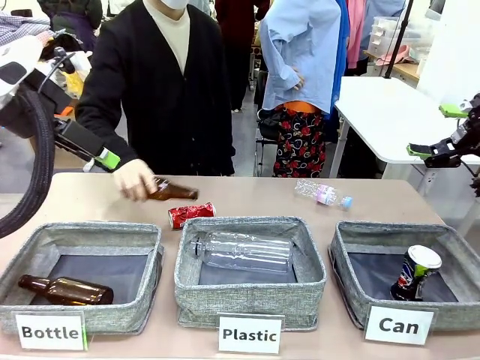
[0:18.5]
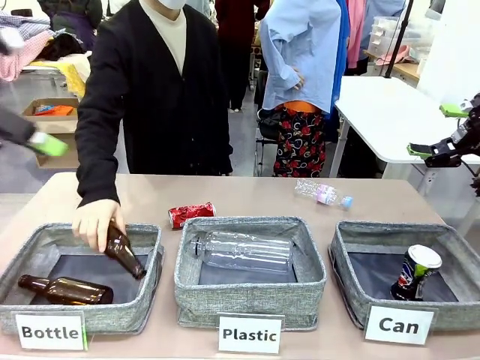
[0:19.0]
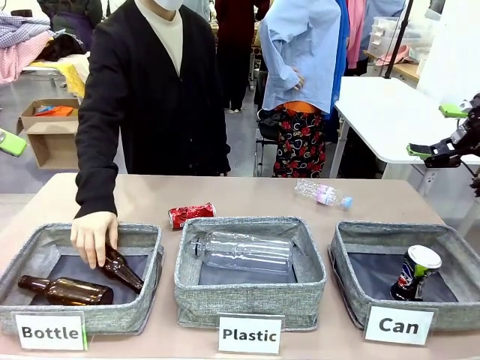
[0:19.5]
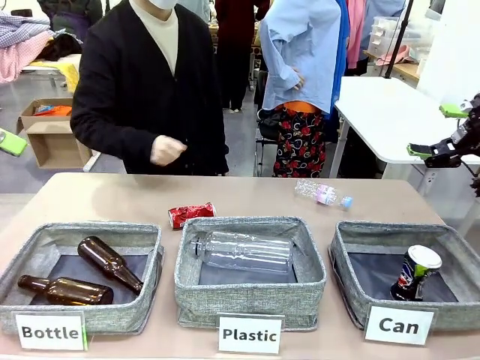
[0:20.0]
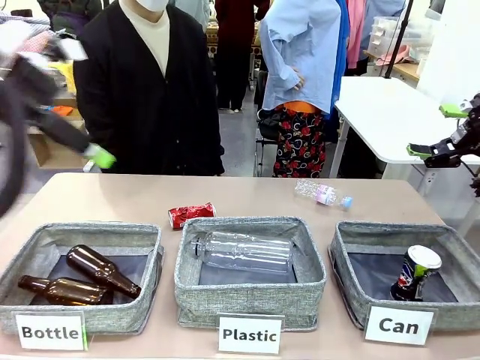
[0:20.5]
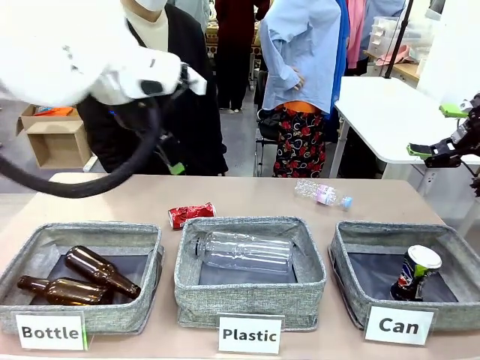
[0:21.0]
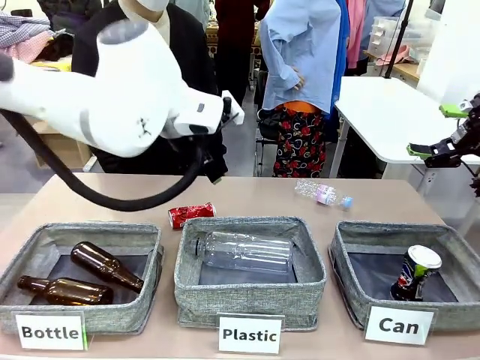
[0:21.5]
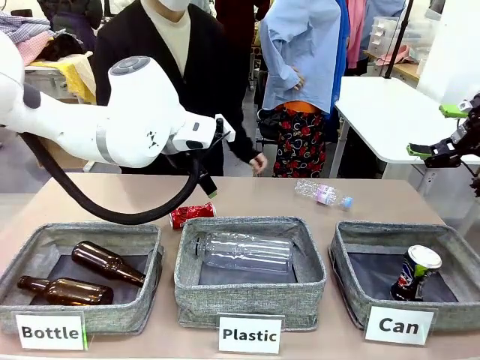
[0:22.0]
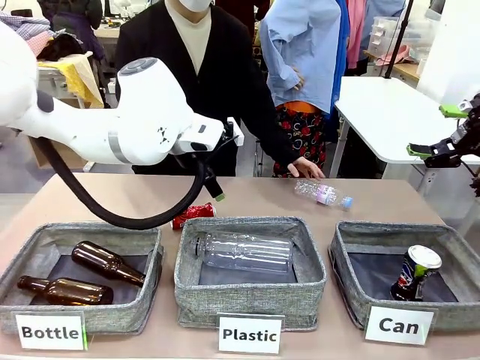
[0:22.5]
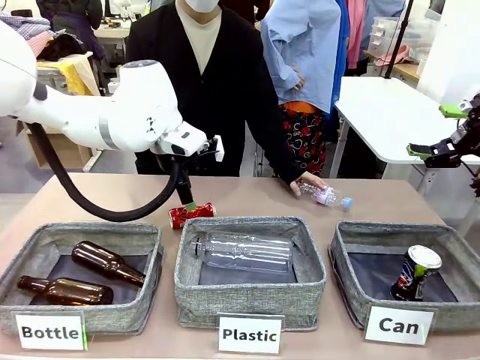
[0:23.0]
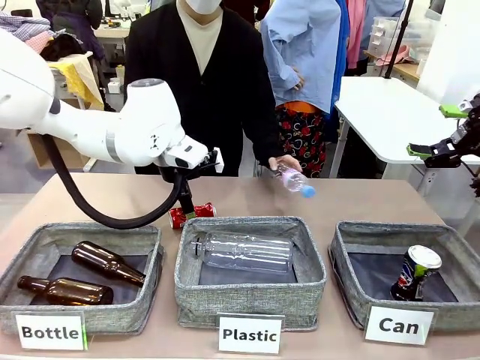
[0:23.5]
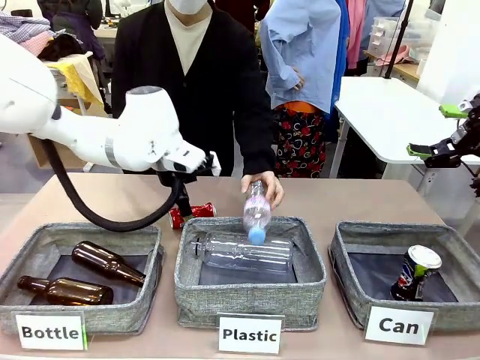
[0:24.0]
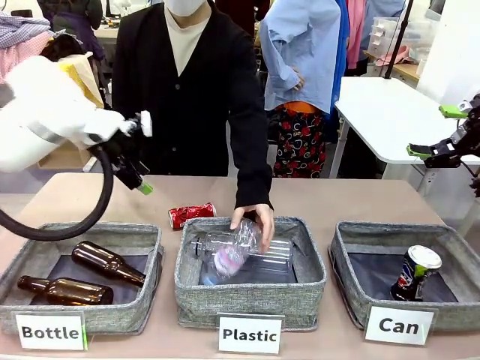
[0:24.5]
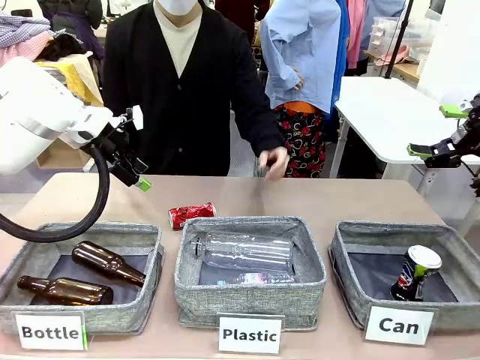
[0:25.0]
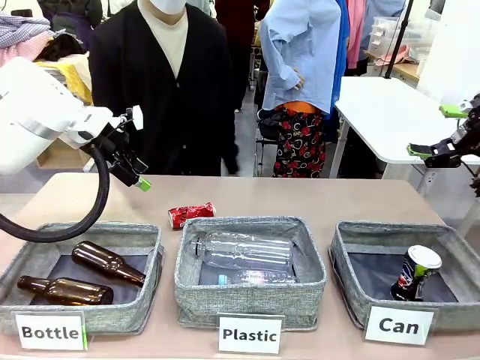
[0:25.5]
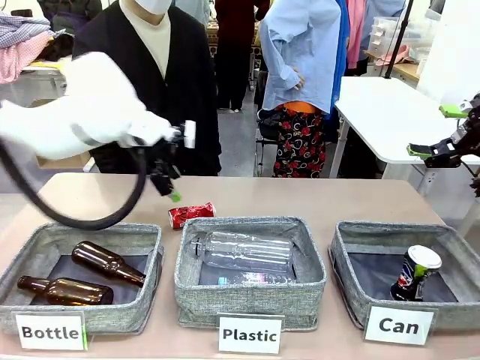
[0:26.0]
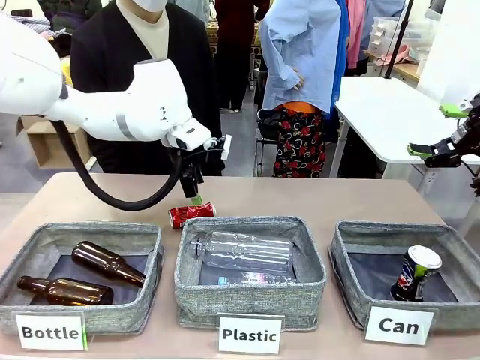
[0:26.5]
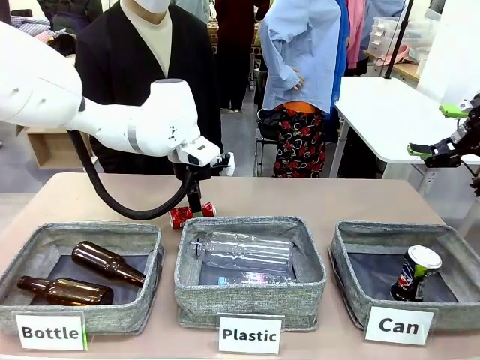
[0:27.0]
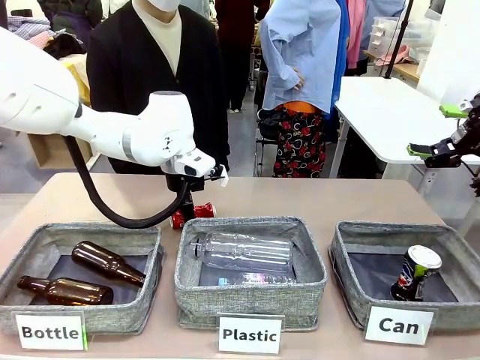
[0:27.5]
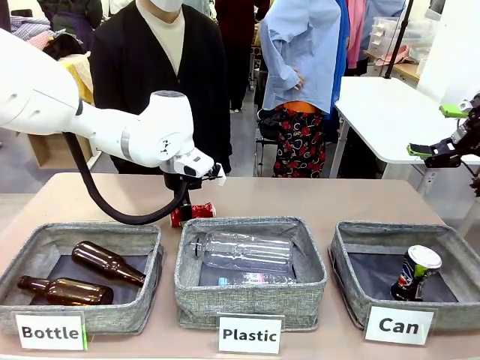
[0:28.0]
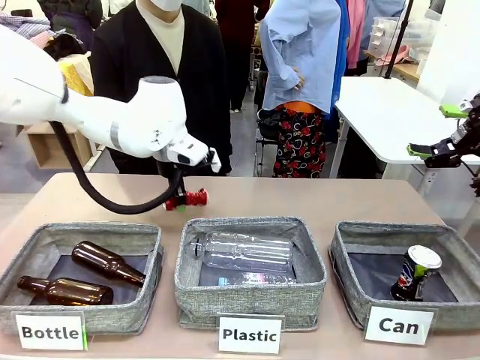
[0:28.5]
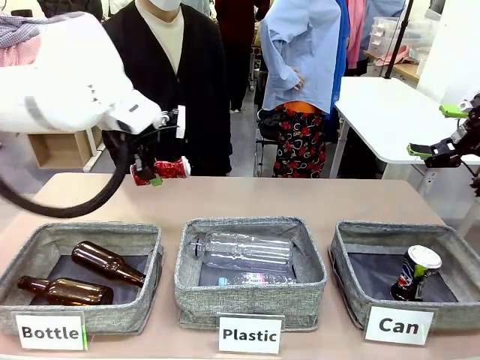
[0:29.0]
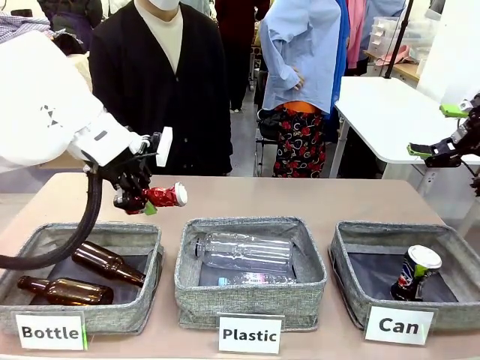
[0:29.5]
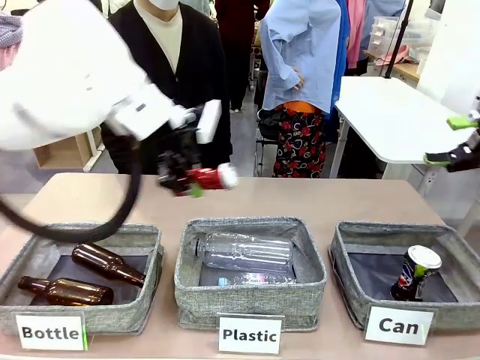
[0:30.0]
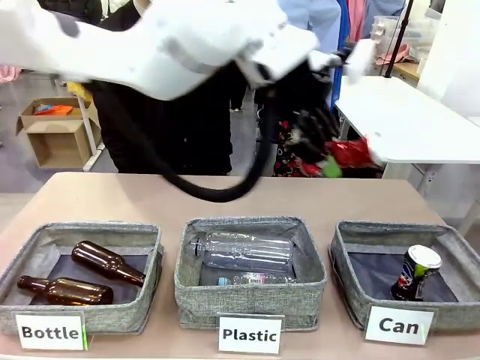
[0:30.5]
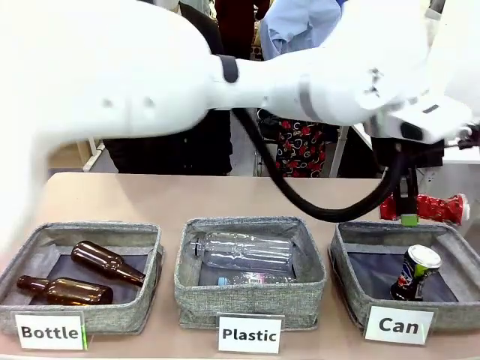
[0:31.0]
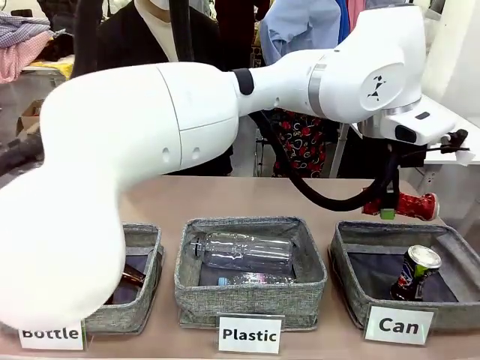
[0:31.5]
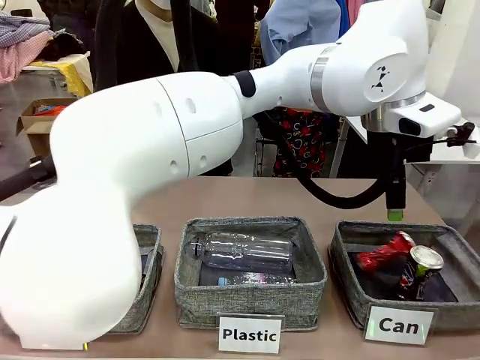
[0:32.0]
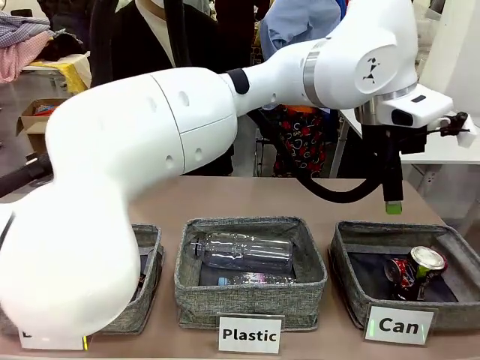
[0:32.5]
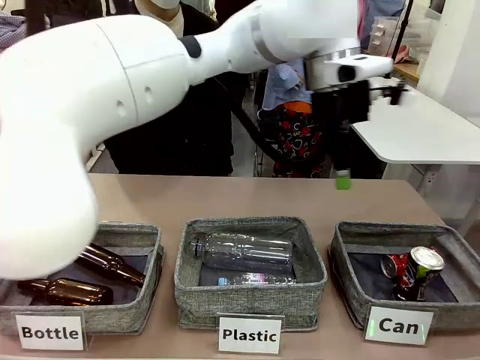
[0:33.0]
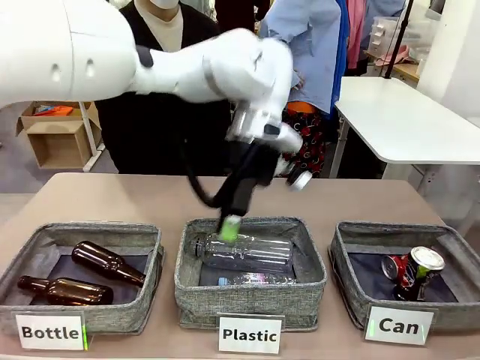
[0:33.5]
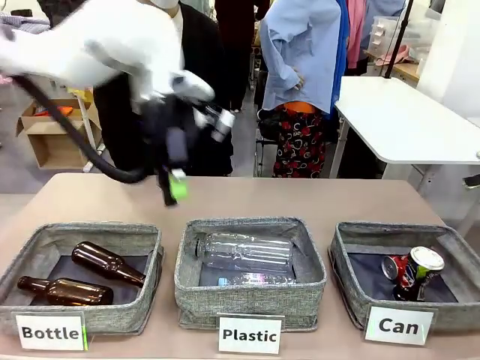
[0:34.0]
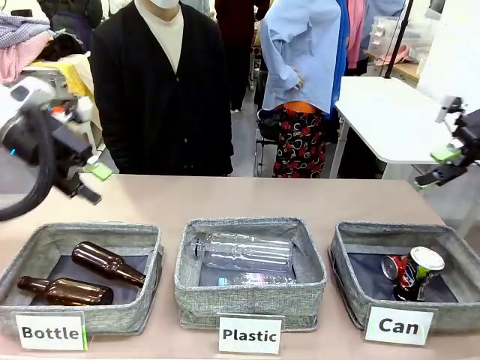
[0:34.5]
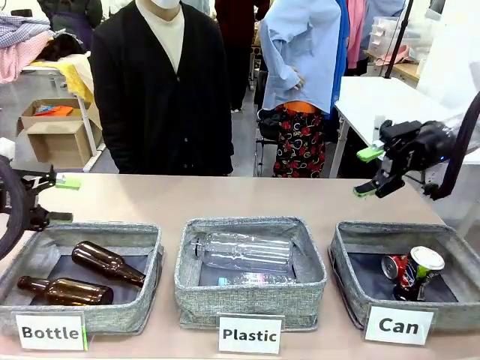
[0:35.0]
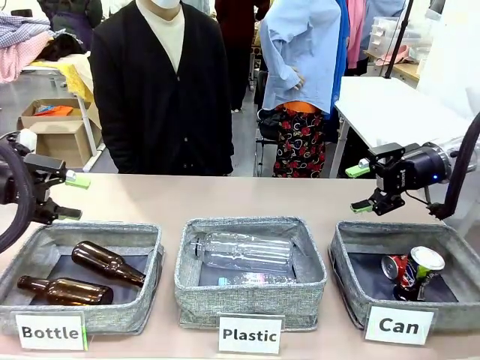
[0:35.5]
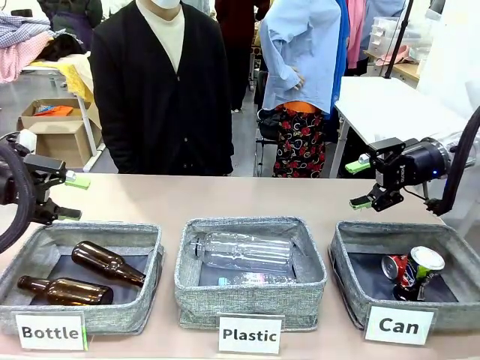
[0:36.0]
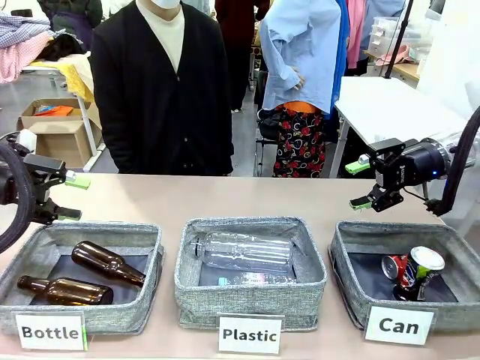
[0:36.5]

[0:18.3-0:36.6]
Task: Sort the can waste into the basket.
Robot: Pick up the can waste from the table and place it in the right Fabric basket.

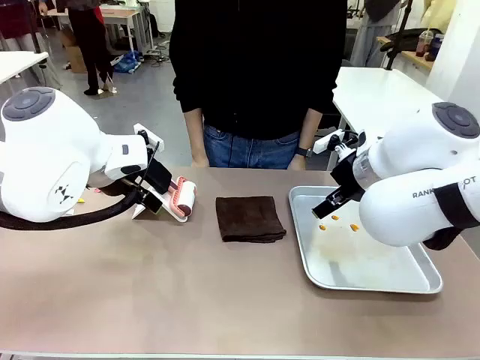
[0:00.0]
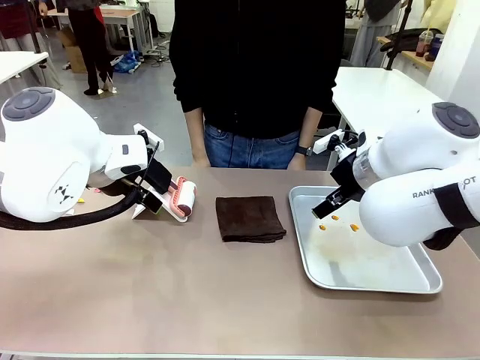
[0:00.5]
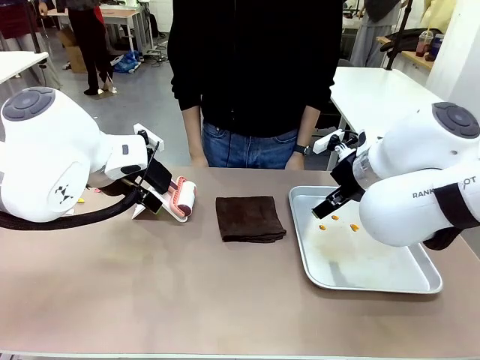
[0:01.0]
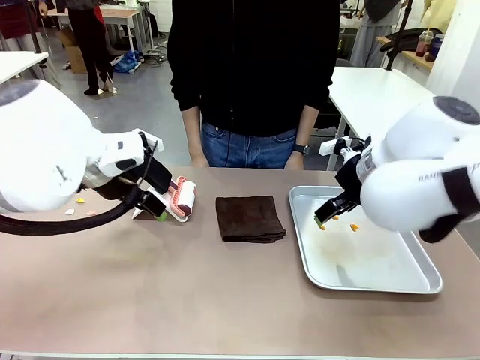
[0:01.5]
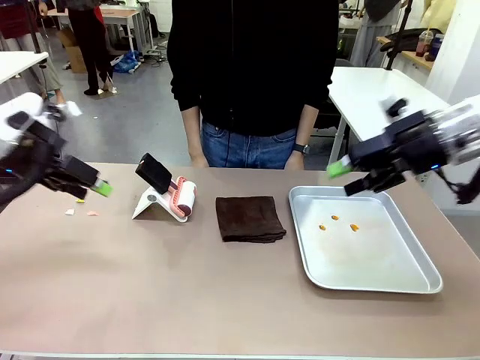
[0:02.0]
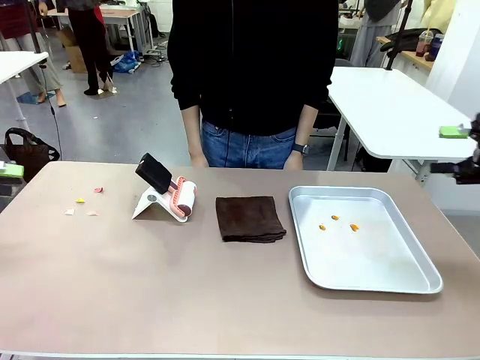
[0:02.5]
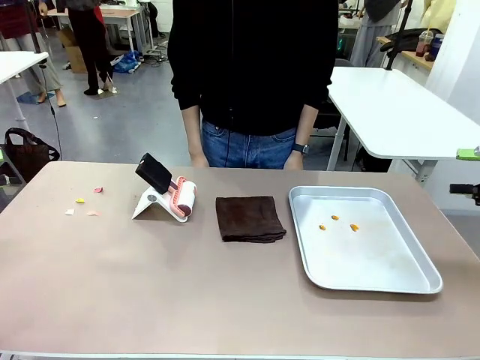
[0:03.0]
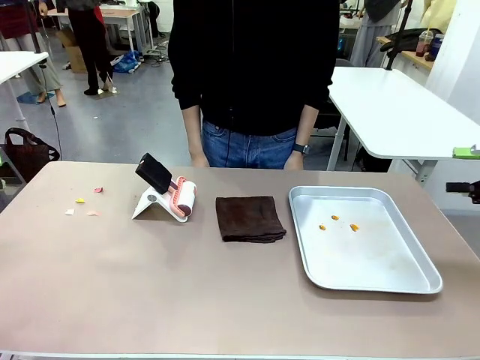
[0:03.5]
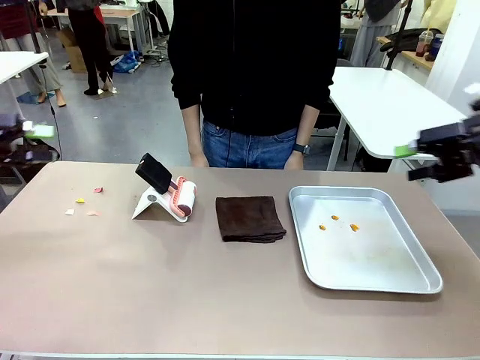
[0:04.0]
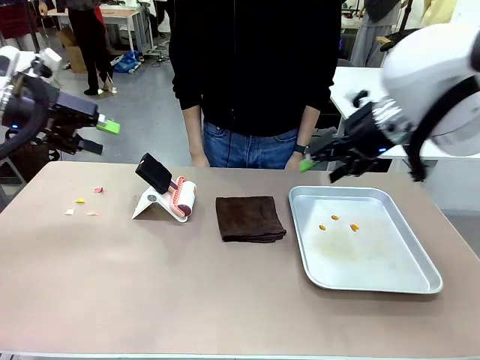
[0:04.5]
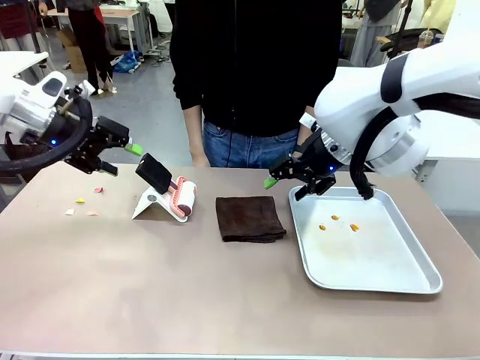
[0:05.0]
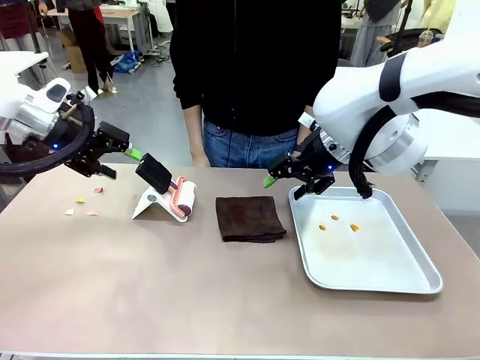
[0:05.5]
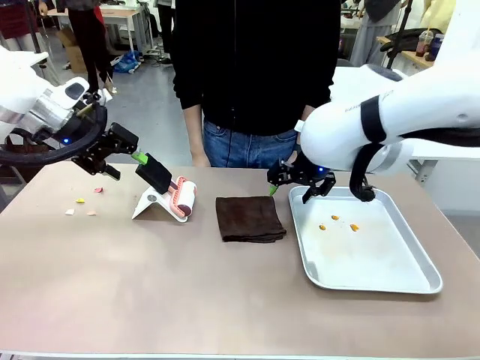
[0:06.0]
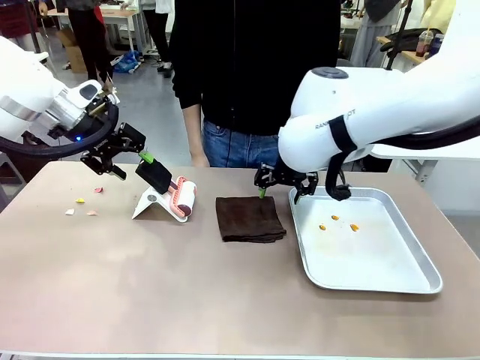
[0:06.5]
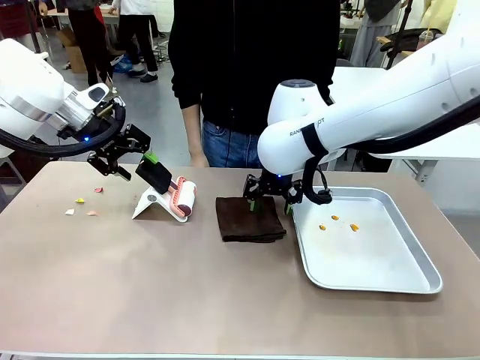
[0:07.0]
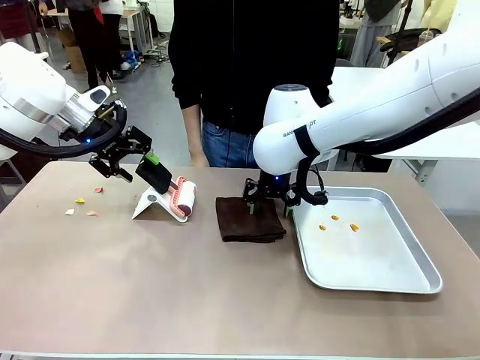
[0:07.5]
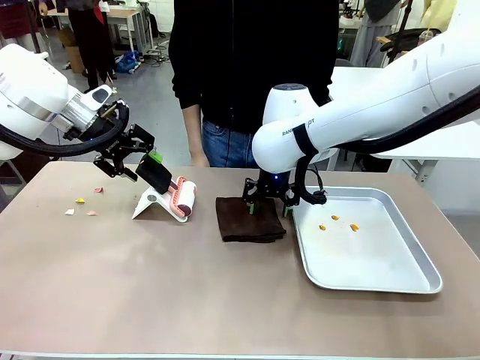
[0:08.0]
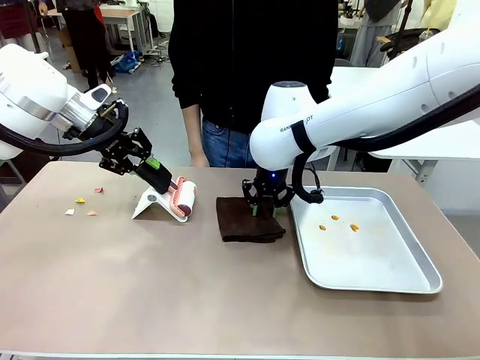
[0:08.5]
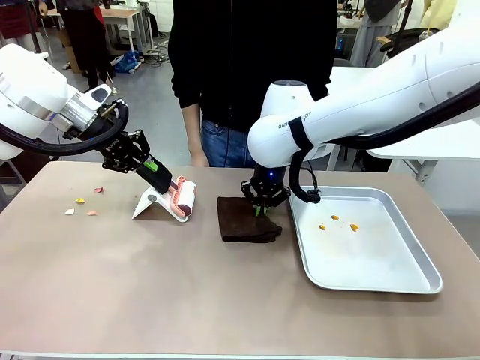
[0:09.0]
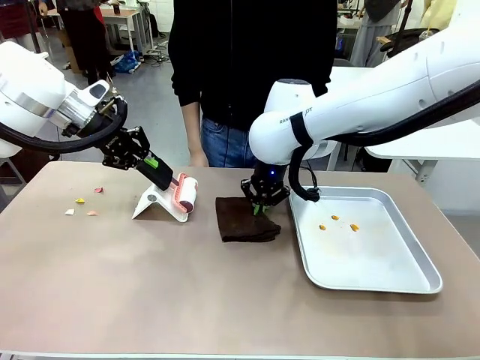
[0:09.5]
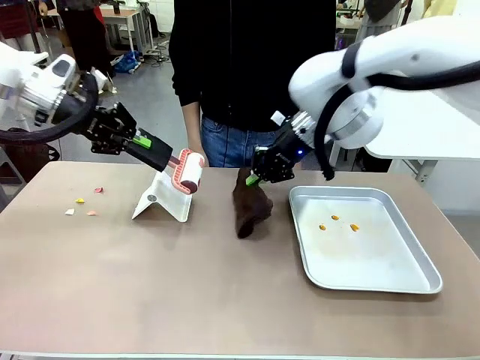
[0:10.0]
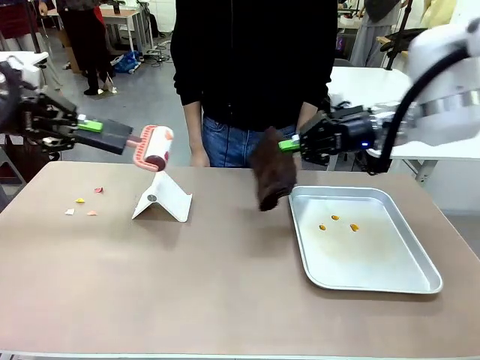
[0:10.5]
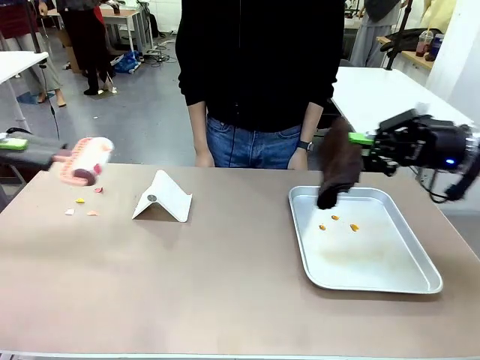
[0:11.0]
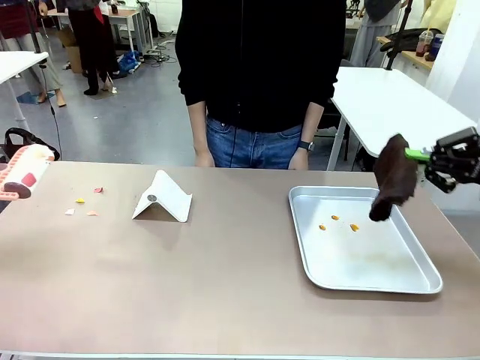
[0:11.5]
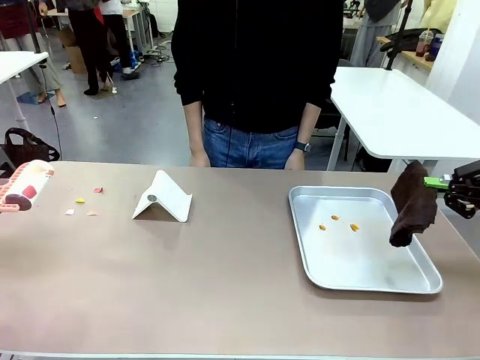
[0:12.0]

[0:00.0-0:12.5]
Task: Clean the surface of the table.
Robot: Hold the Lint Roller with your left hand and the towel with your right hand.
